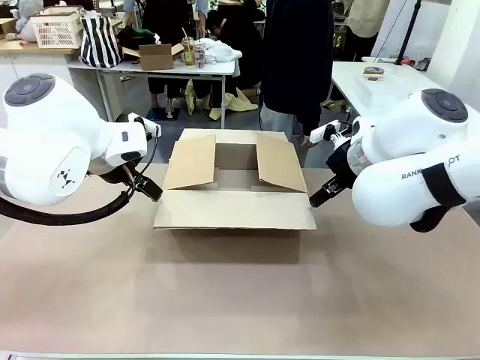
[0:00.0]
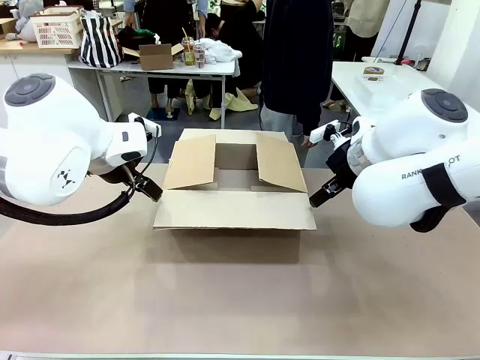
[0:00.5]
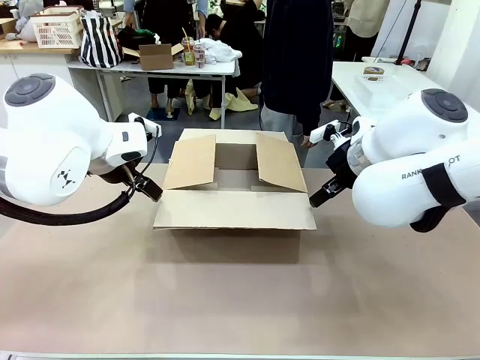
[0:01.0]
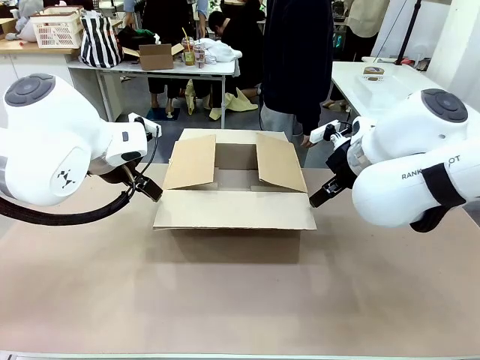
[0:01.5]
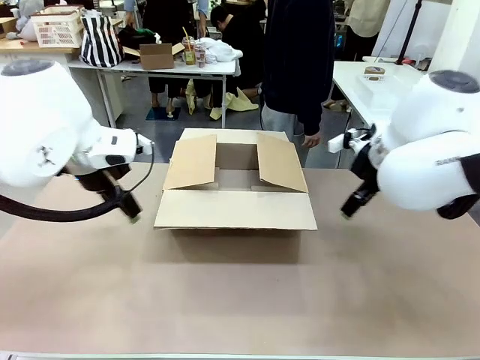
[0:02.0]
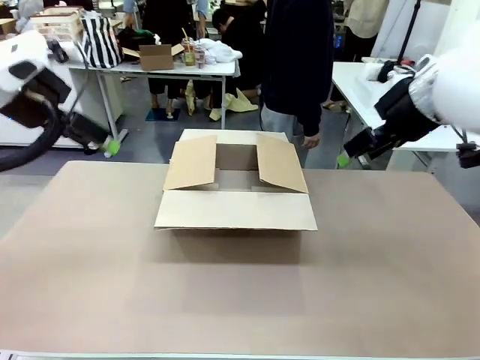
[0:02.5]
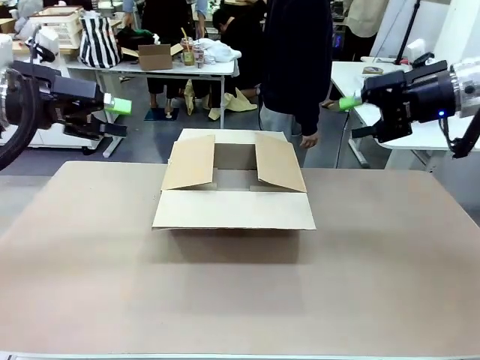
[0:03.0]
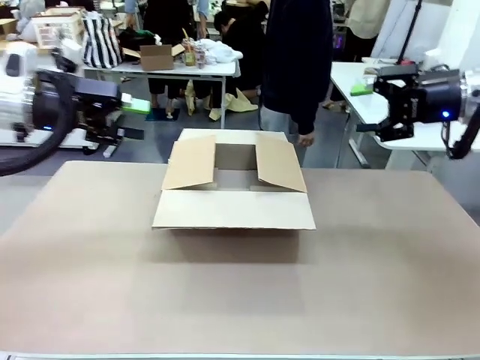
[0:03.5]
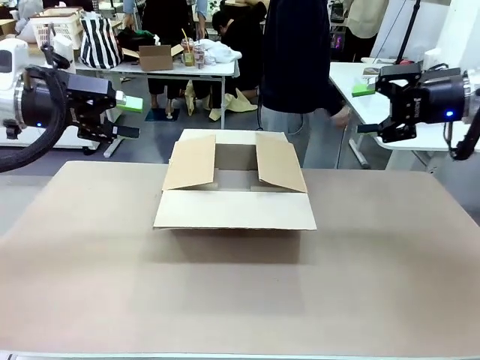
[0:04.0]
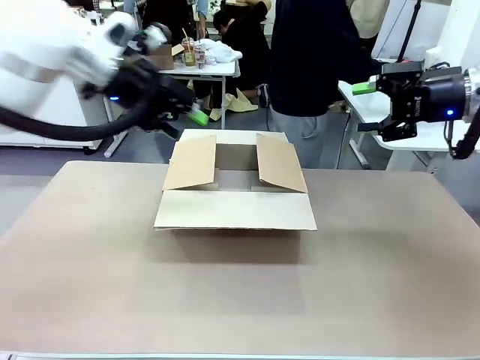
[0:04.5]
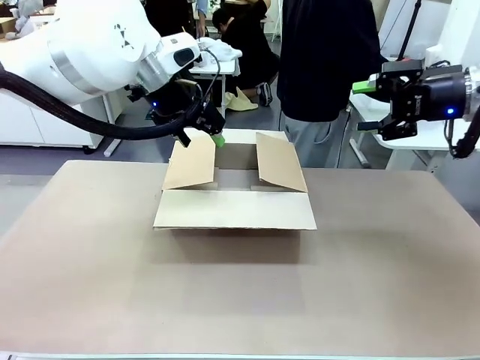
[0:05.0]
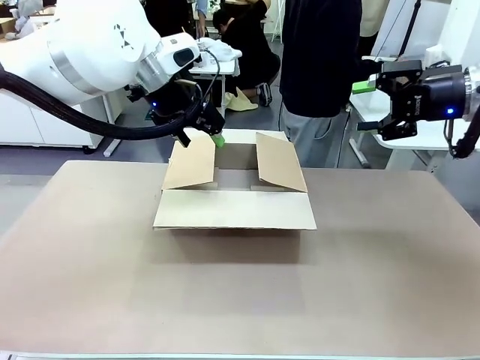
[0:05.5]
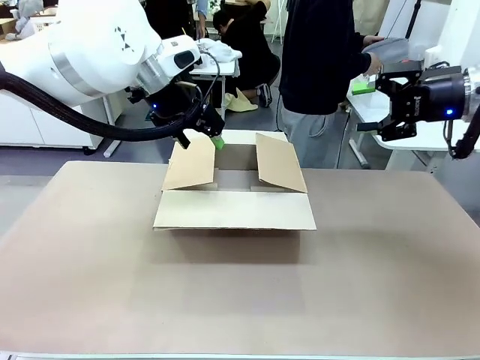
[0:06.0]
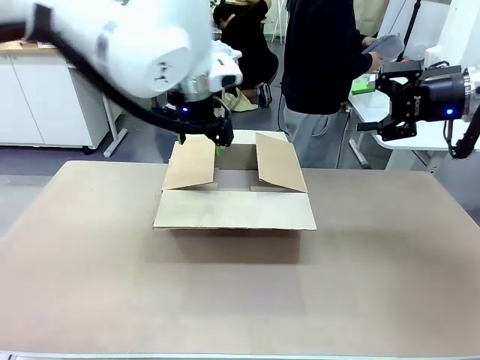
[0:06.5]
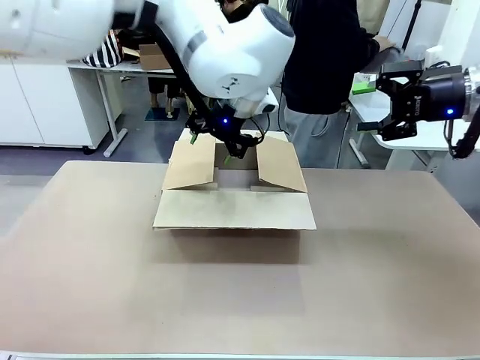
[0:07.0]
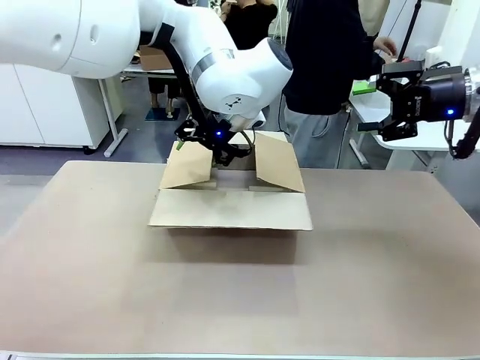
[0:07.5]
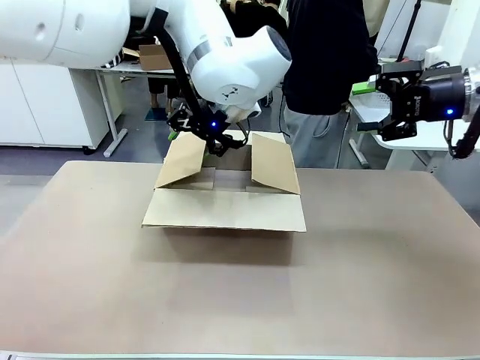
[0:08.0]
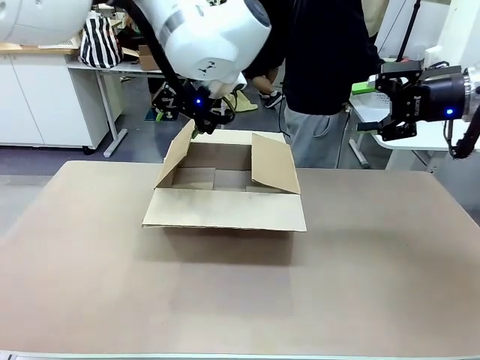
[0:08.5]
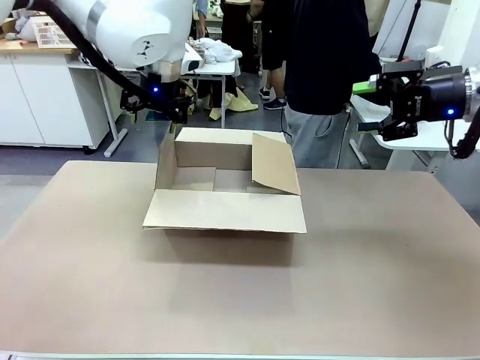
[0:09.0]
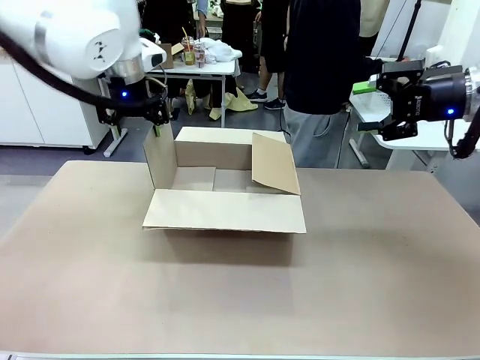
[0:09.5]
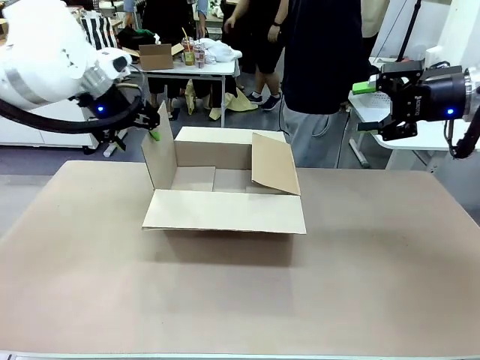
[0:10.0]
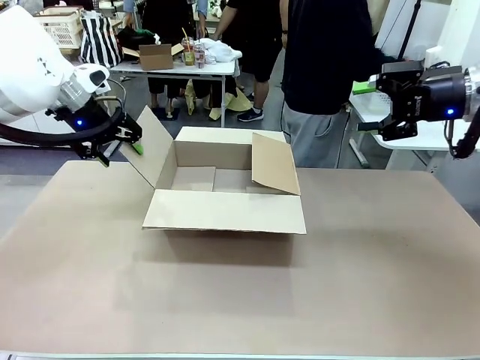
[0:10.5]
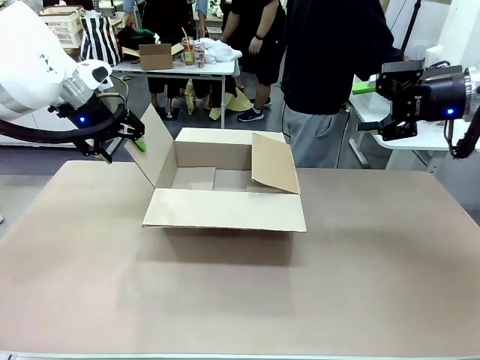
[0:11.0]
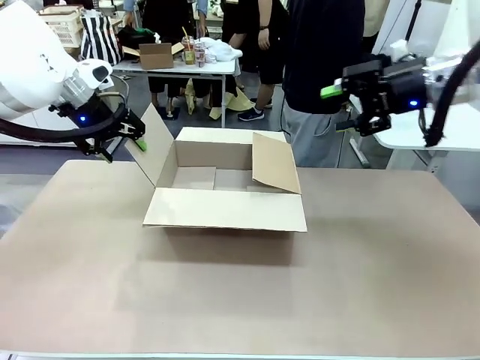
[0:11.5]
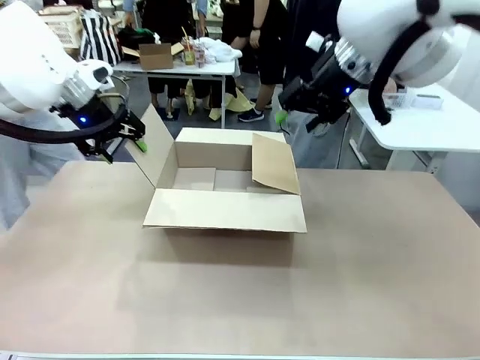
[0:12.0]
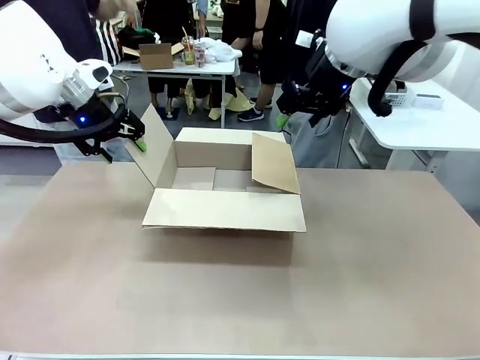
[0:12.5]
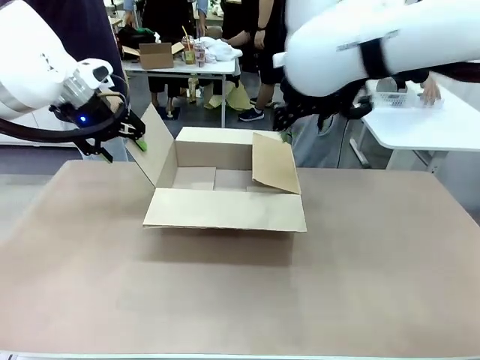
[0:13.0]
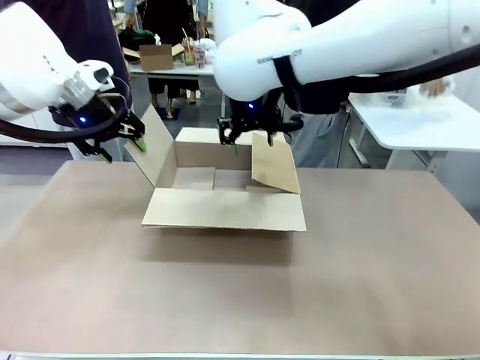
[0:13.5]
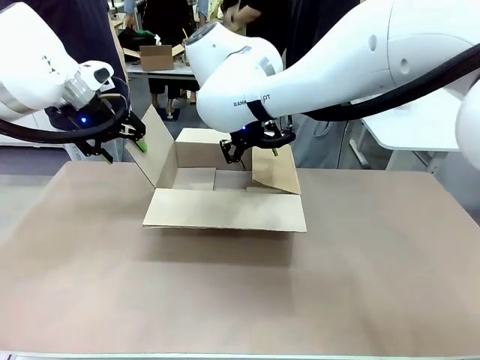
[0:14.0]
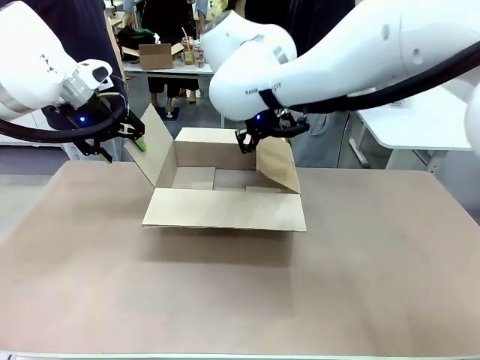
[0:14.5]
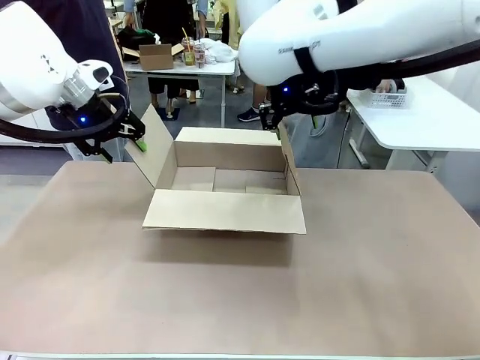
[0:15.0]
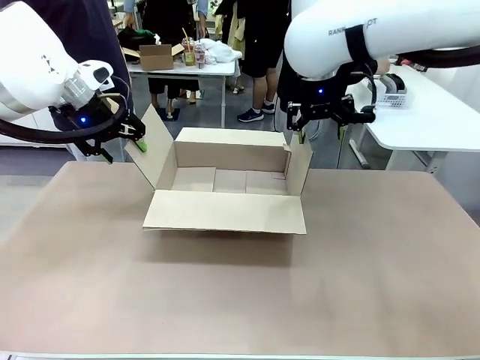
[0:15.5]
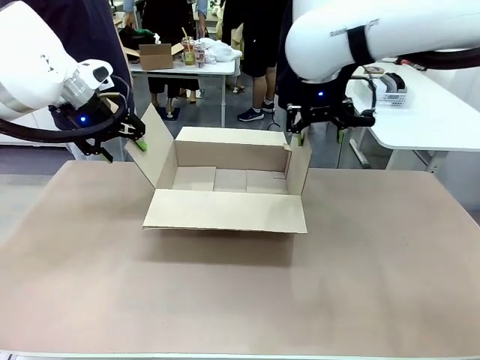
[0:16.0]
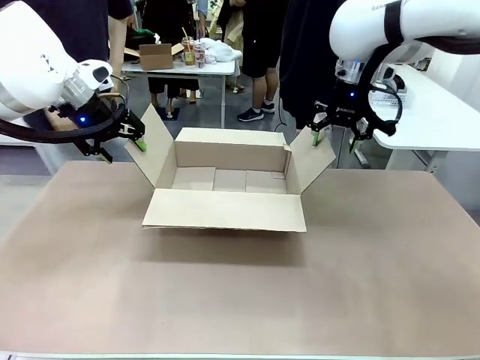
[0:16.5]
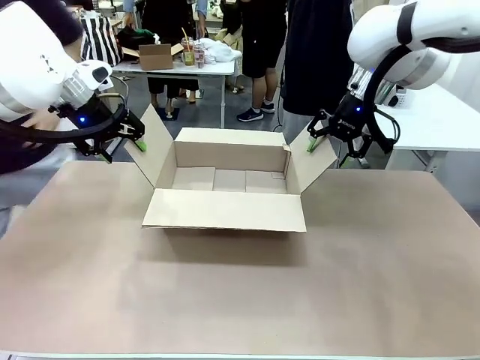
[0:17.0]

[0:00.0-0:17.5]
Task: Pack the gift set into the box.
Robot: Place both hands on the side flaps of the Package Box and spread them outward.
Person: The human places all items except the paper tape into the organizing basket.

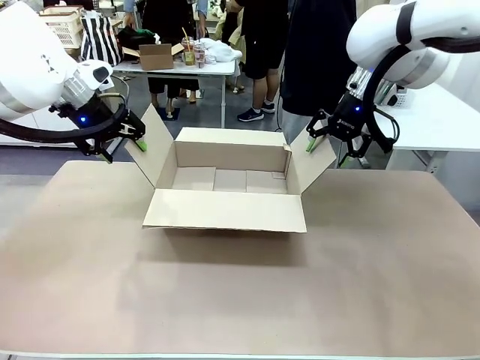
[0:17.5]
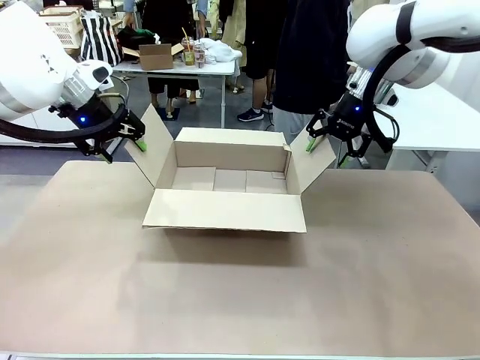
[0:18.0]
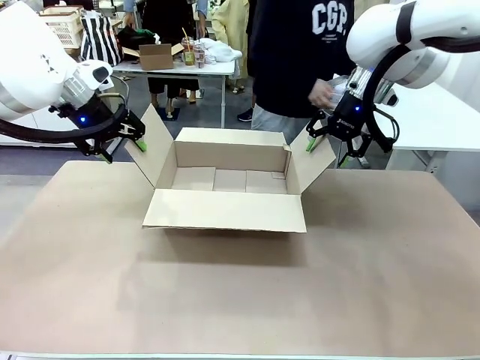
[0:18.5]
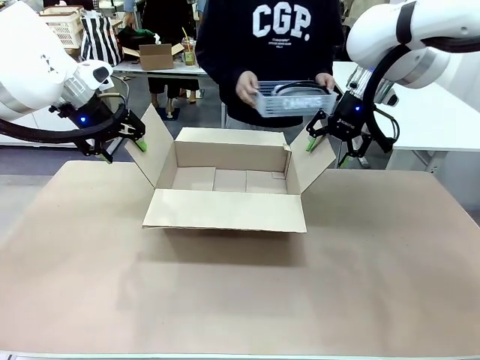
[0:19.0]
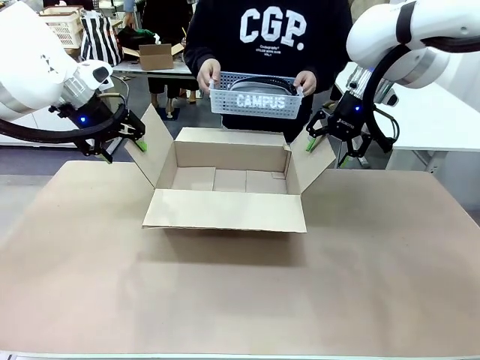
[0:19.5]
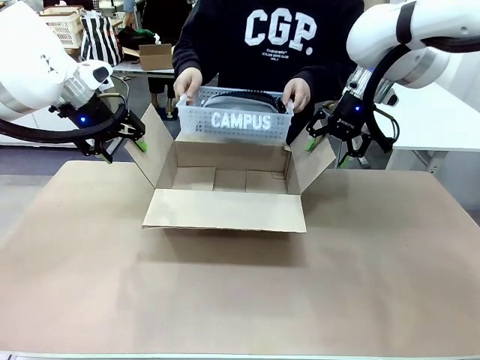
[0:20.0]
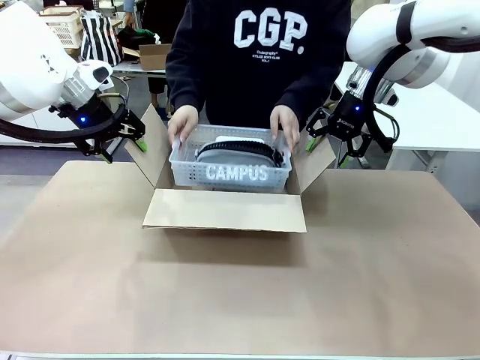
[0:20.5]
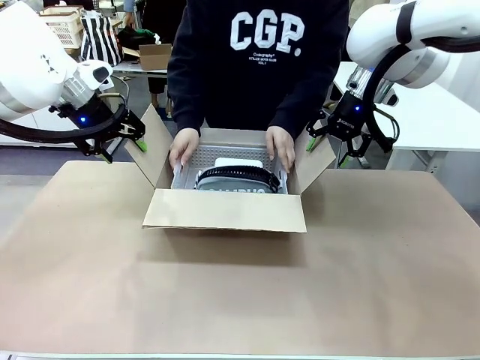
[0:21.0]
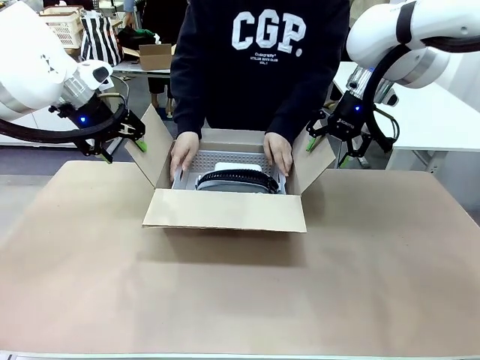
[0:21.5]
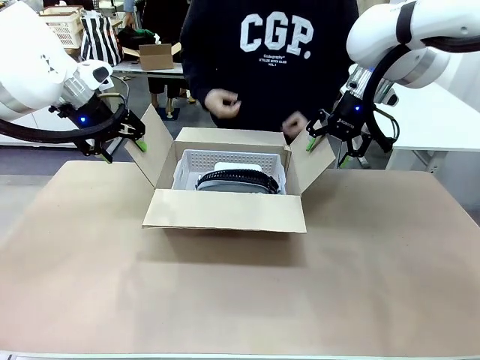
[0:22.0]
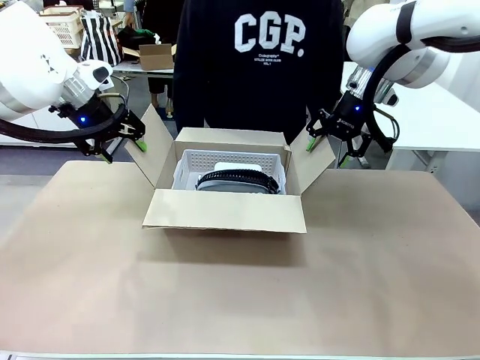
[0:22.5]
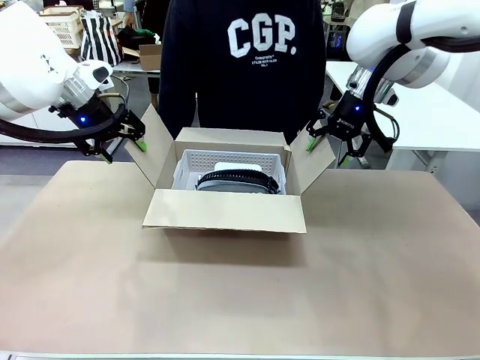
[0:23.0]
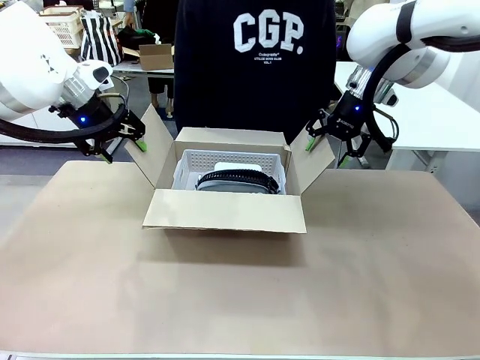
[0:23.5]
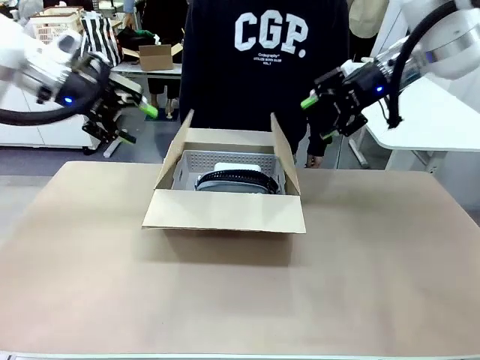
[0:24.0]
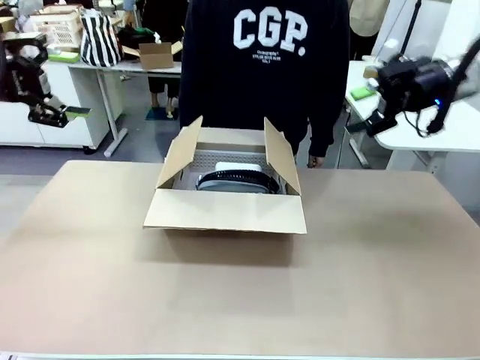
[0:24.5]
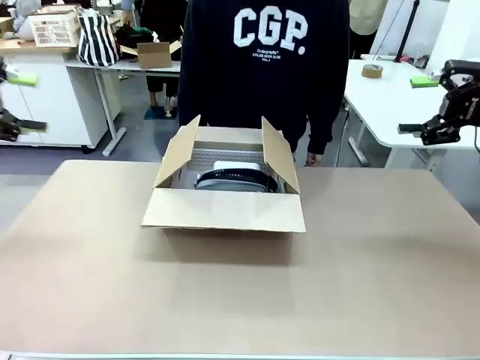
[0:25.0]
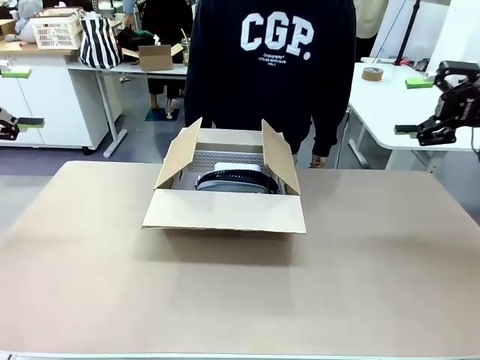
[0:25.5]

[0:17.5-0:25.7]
Robot: Lift both hands away from the flaps of the Package Box.
Person: The human picks up the organizing basket and places the organizing basket into the package box on the robot table.
